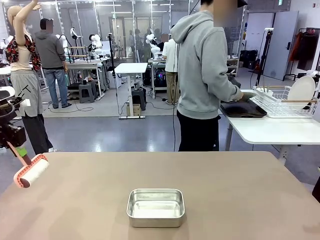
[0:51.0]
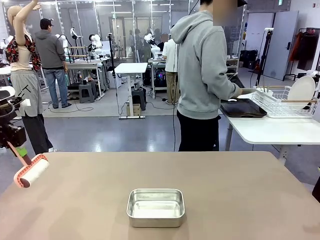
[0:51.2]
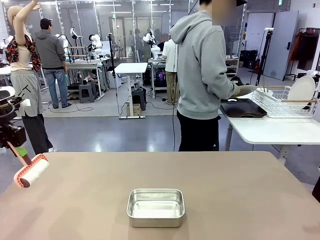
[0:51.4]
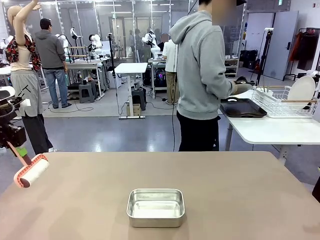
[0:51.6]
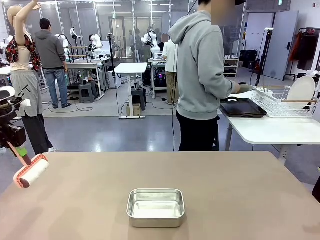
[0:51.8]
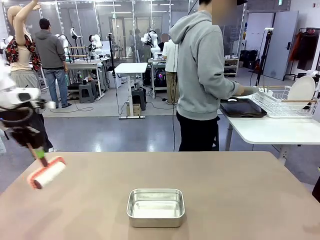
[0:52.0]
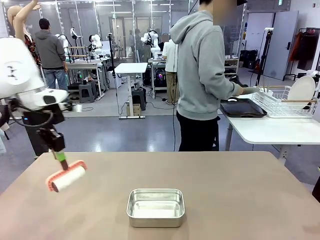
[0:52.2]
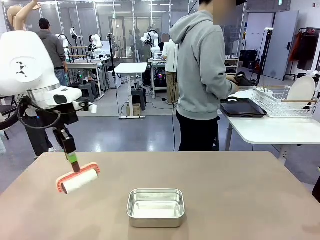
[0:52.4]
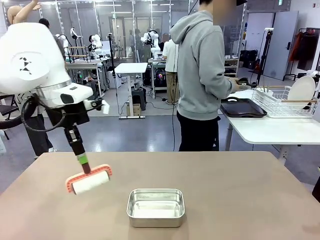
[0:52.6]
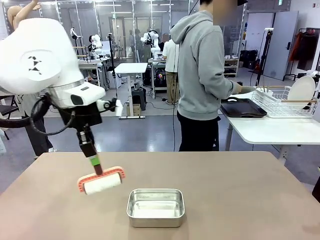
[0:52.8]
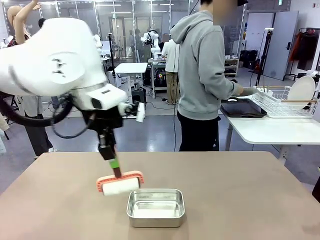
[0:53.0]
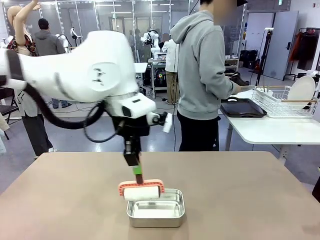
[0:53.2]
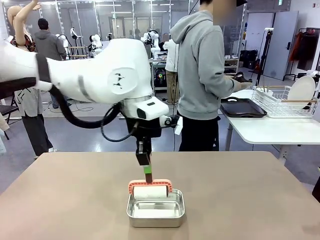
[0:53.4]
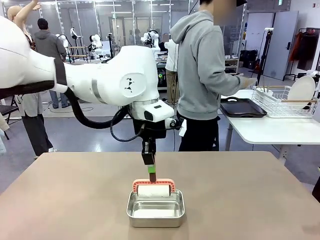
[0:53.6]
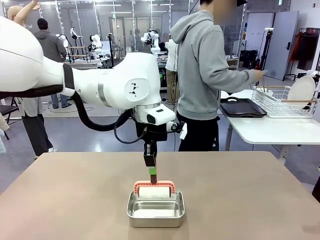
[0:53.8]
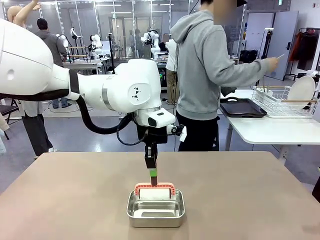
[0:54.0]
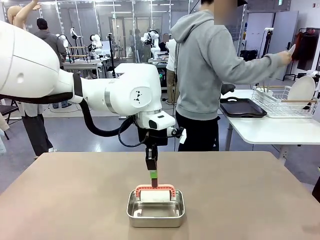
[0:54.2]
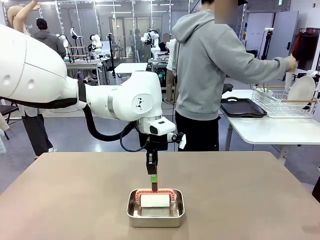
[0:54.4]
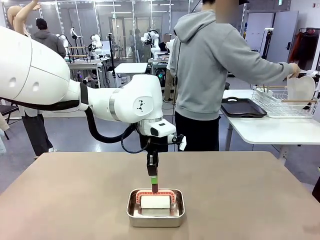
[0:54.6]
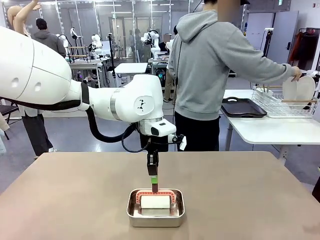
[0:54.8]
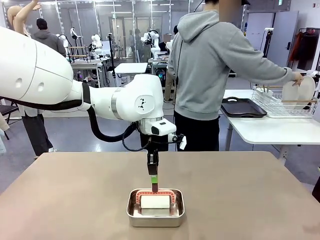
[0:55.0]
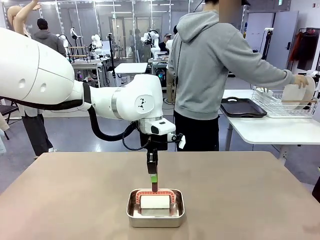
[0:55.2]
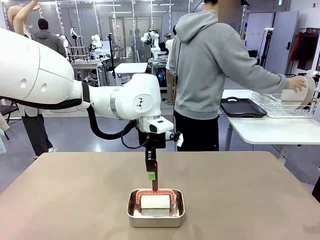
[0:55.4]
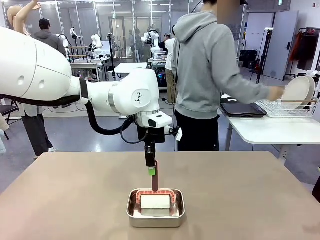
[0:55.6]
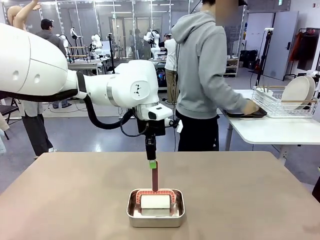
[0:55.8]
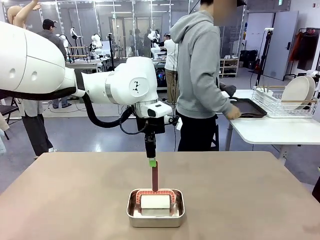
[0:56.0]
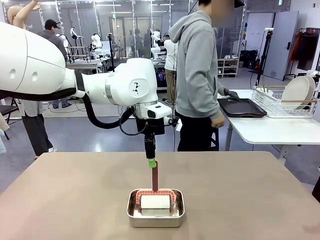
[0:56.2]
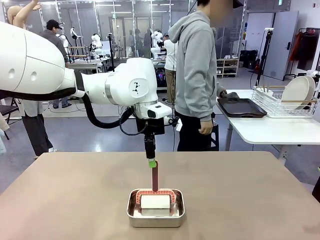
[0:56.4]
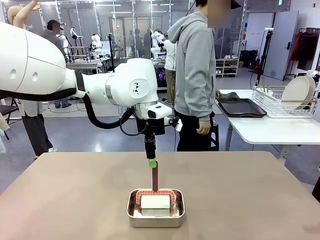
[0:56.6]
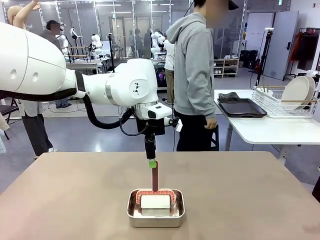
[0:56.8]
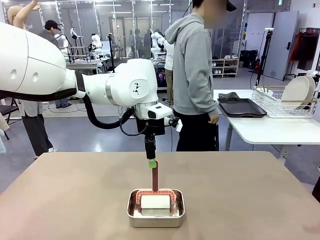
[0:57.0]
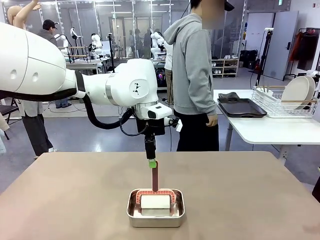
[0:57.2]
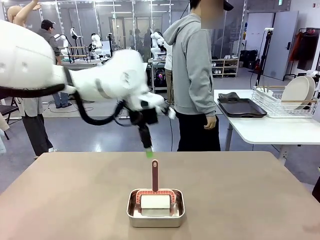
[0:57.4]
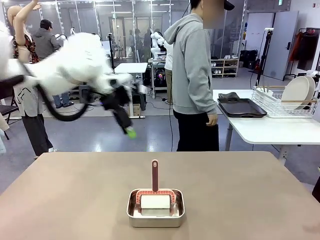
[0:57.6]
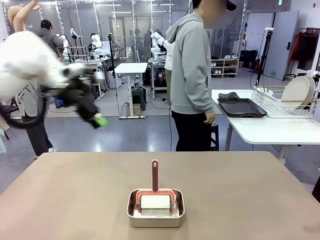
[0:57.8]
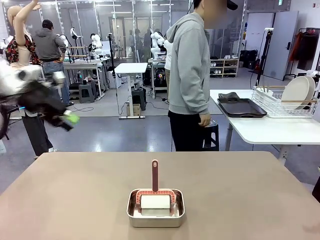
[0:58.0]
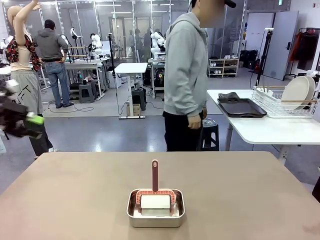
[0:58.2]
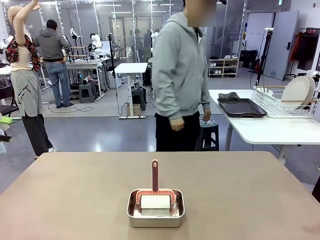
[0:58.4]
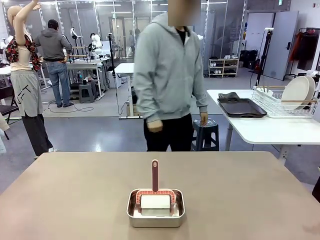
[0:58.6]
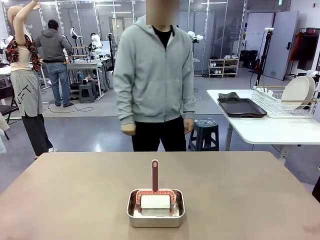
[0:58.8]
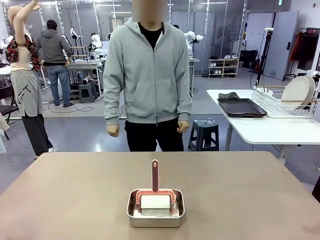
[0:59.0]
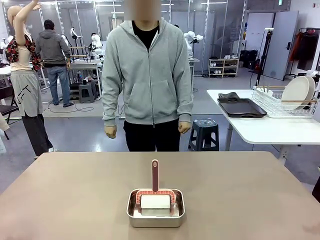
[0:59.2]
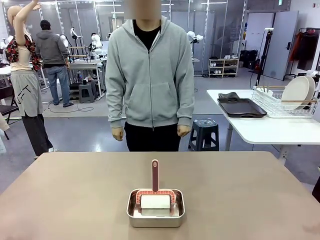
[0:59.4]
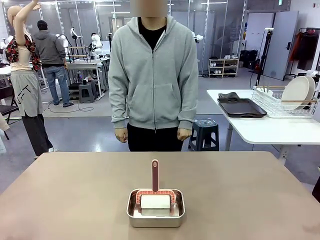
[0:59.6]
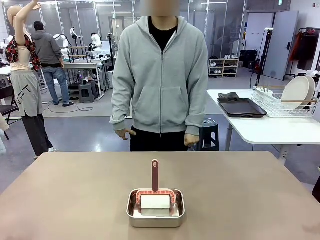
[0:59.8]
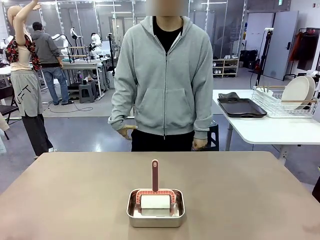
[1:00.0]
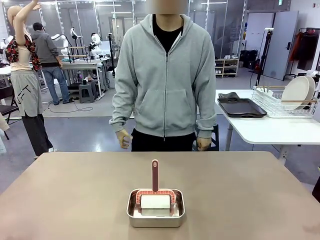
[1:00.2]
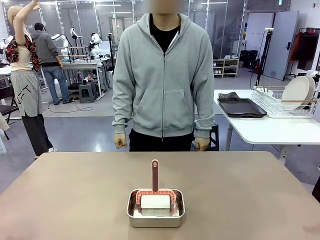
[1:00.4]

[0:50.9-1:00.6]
Robot: Place the Lint Roller back on top of the Airtight Container.

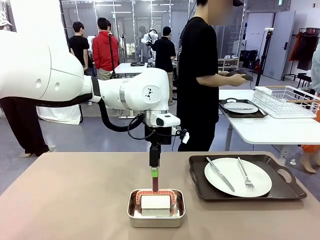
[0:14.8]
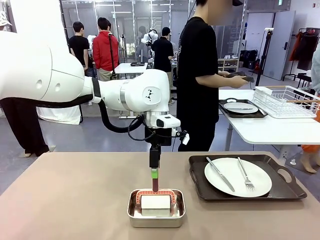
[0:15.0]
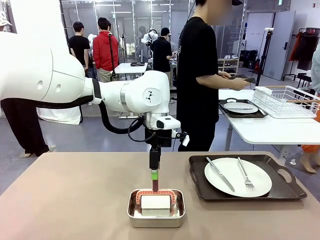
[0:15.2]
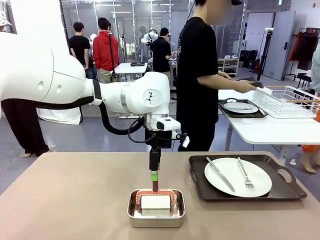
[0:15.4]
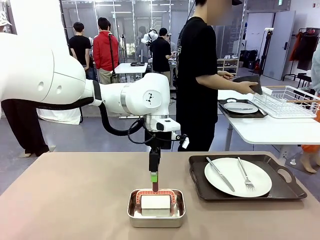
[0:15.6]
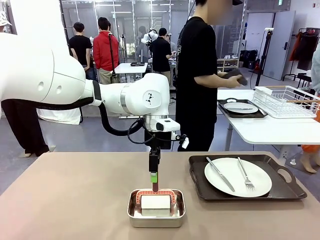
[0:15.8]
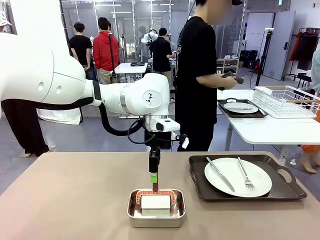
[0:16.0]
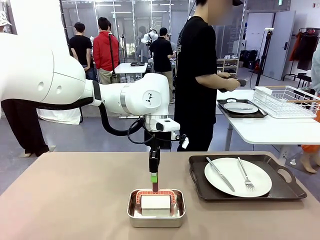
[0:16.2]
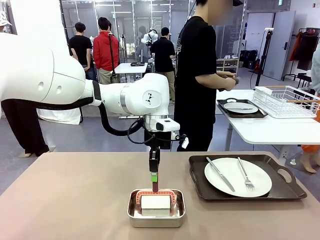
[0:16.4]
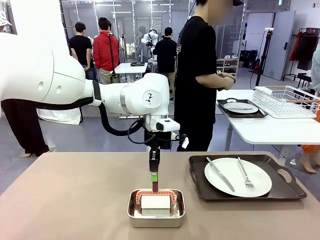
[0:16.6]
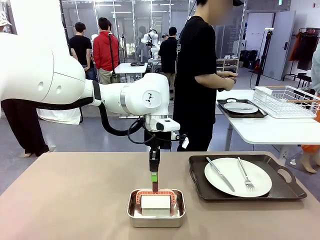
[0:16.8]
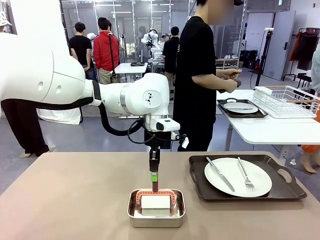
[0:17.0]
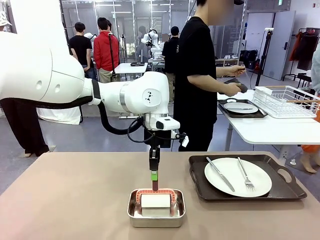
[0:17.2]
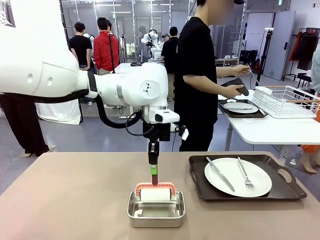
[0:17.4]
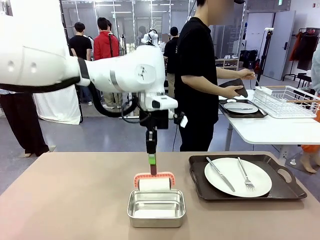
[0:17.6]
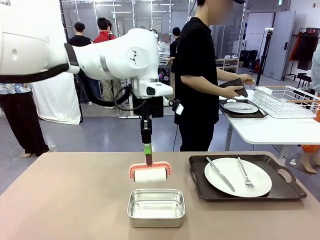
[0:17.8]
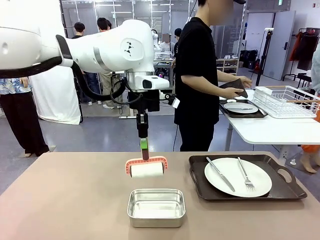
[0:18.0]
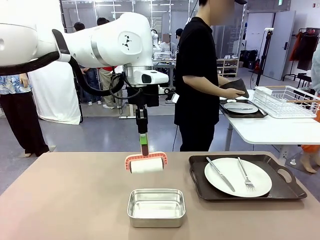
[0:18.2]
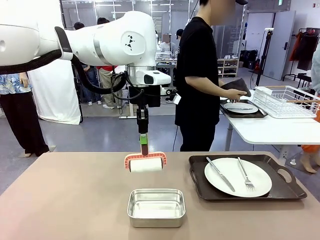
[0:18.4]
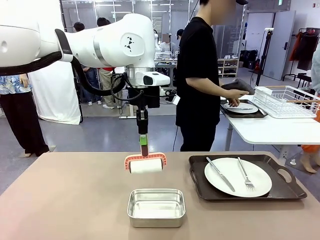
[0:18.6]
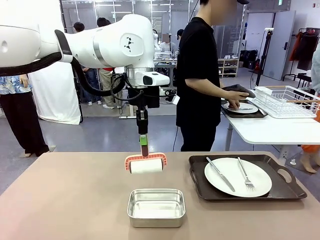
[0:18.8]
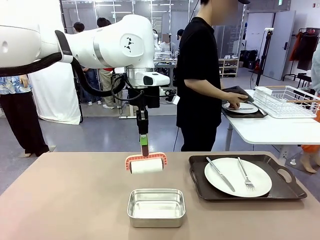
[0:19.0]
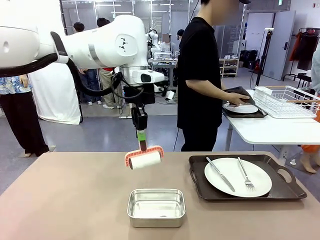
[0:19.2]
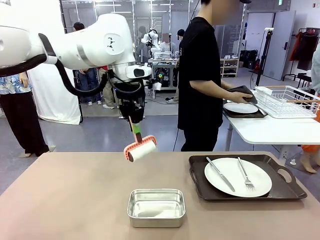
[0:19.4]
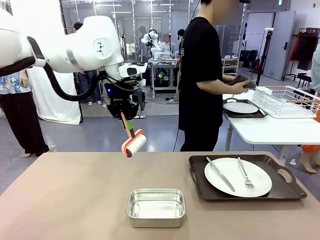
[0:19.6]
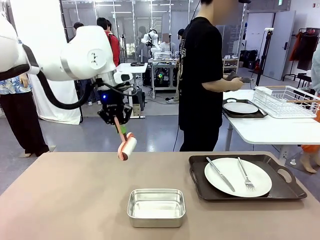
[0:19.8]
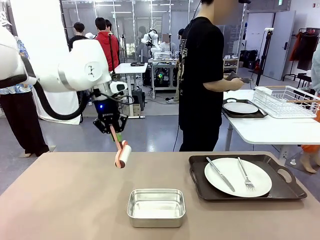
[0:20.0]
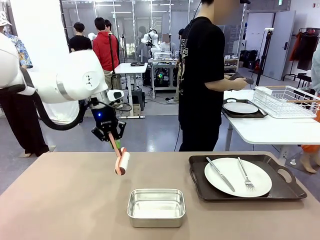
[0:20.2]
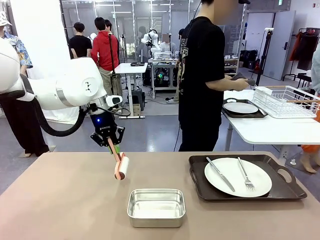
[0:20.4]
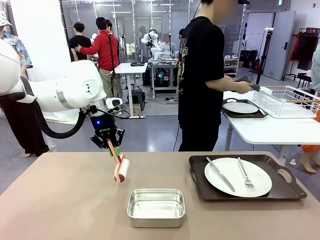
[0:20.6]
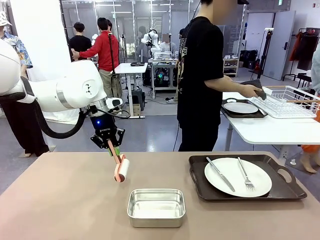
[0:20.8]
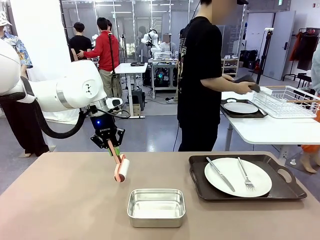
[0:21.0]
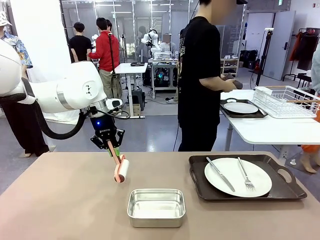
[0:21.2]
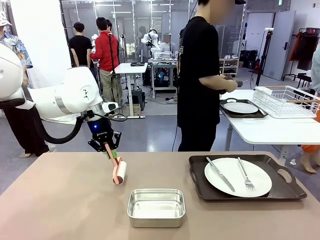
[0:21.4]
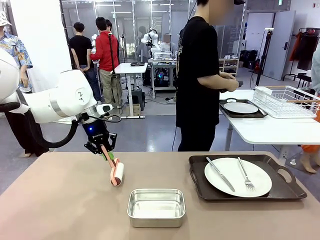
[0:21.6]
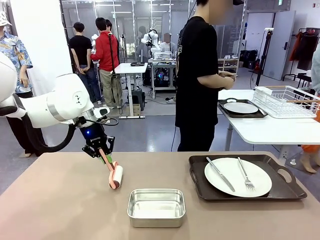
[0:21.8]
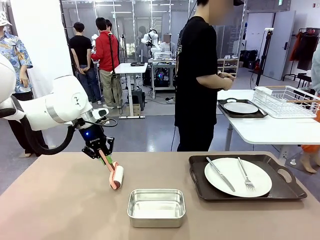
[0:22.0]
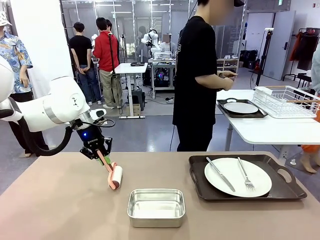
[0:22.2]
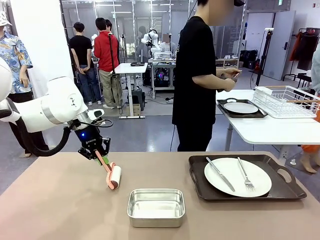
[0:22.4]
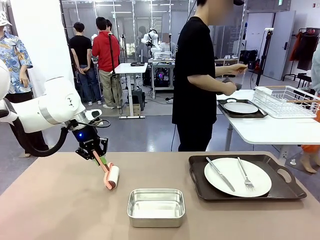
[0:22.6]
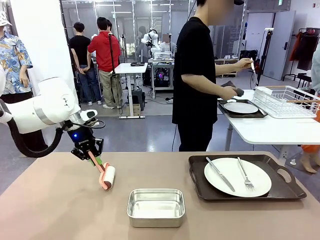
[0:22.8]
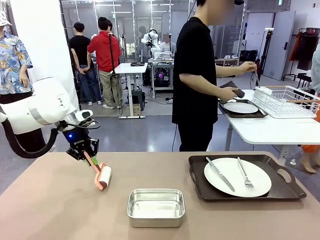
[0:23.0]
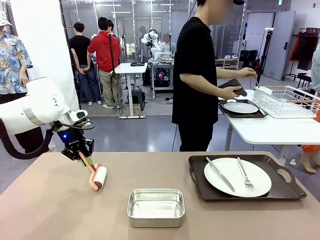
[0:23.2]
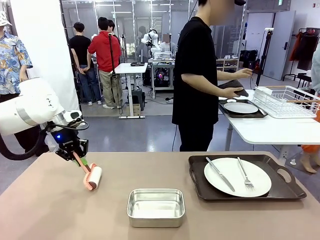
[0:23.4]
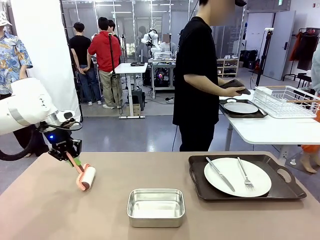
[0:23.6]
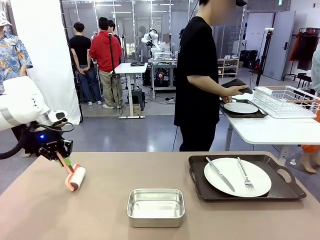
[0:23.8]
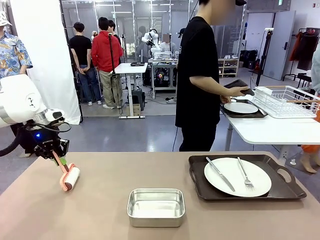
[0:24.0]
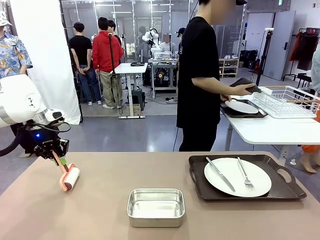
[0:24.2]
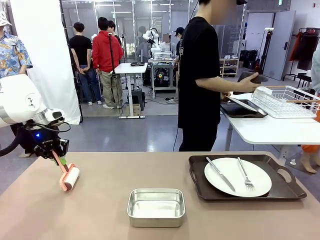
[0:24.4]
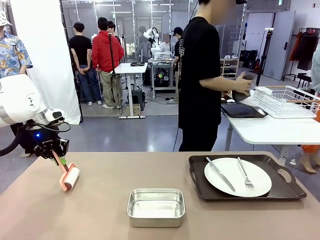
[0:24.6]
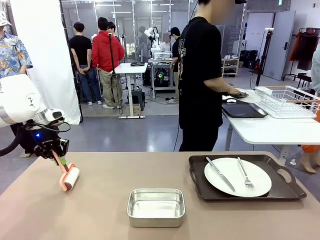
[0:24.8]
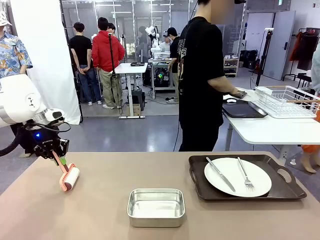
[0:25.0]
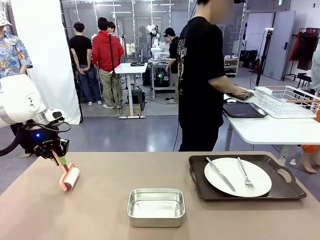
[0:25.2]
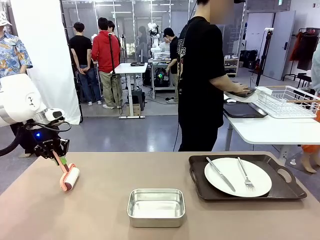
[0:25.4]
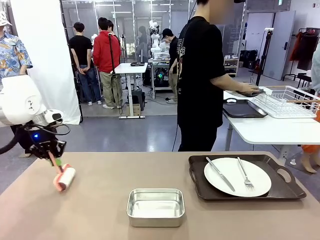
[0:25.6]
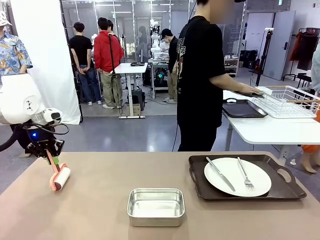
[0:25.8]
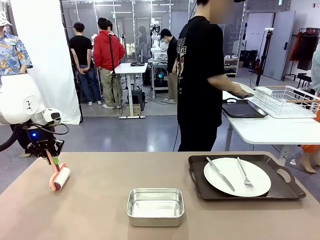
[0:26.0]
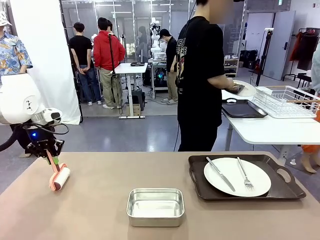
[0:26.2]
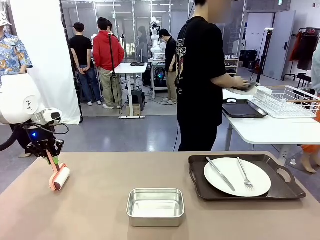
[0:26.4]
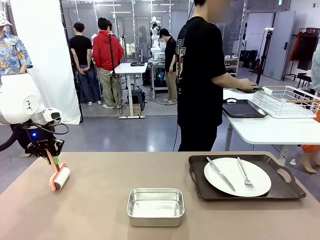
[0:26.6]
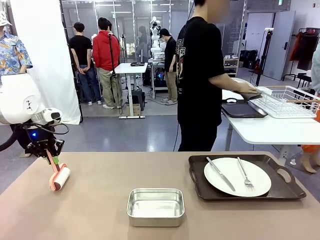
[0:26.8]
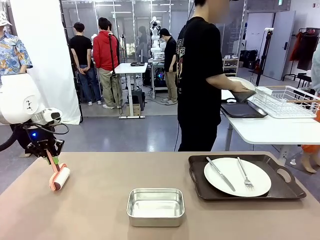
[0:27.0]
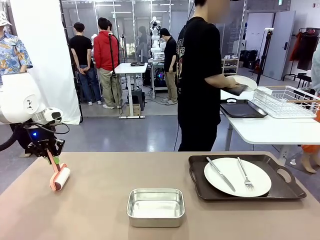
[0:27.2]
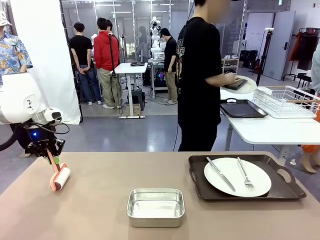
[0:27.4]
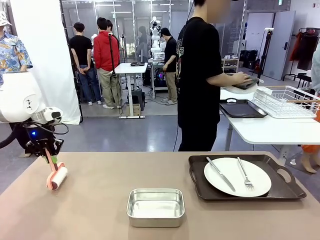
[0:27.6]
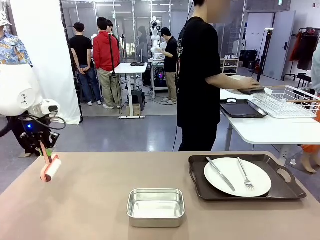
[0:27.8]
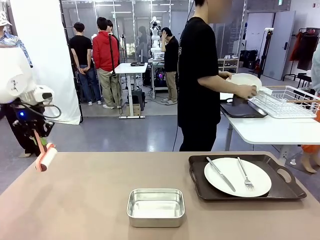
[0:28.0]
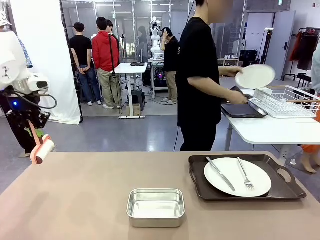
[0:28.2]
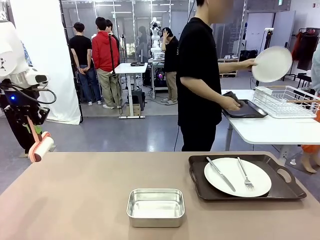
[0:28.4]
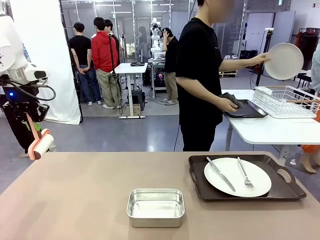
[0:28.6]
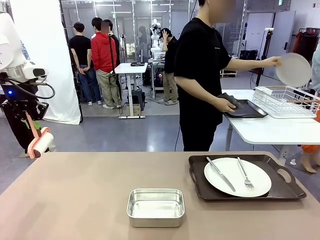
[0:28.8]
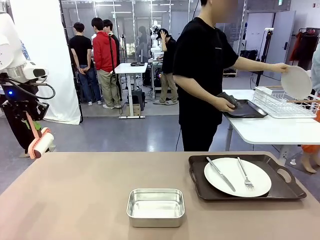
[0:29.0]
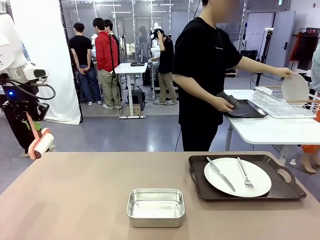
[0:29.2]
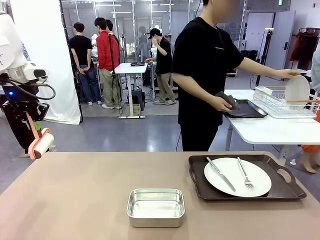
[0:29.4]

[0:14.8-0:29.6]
Robot: When the left (or right) Handle tray is removed, use the left hand (or right hand) to clean the left (or right) side of the table with the Lint Roller.
Person: Use the Towel with hook to wipe the Plastic Matte Plate , Fork , and Knife and place into the Dish drying rack.
